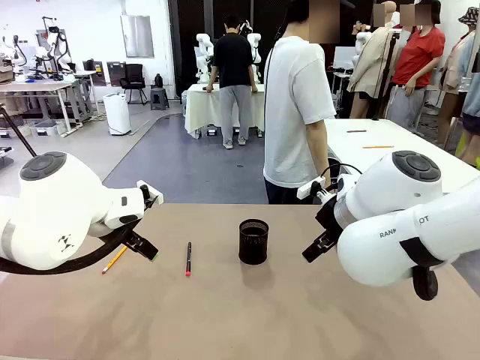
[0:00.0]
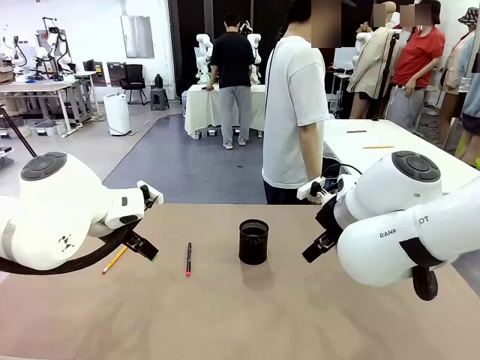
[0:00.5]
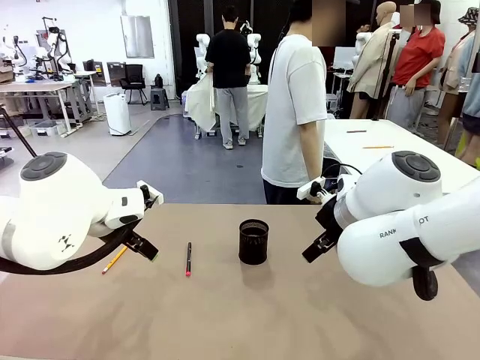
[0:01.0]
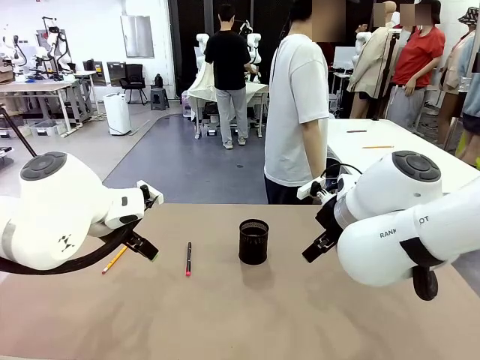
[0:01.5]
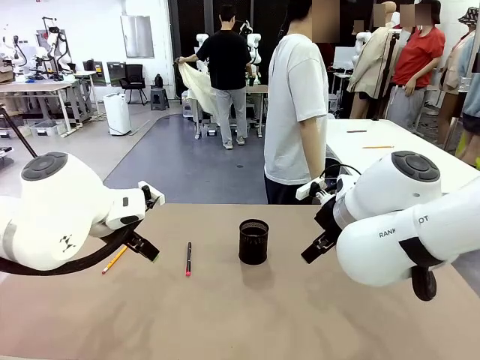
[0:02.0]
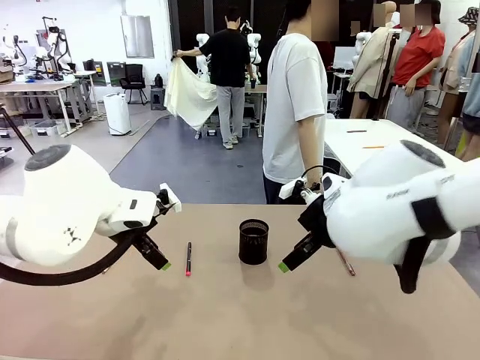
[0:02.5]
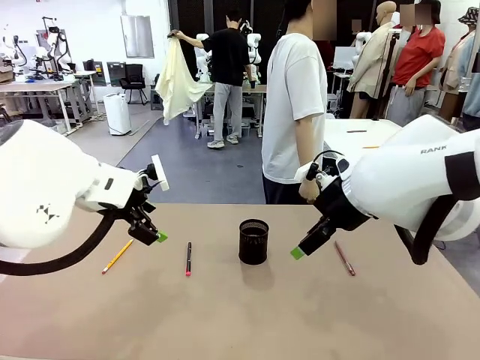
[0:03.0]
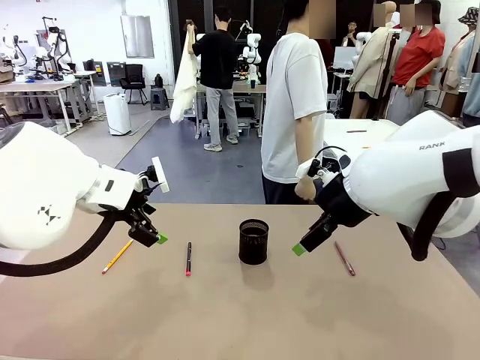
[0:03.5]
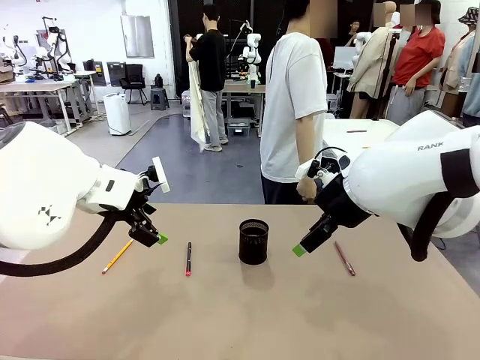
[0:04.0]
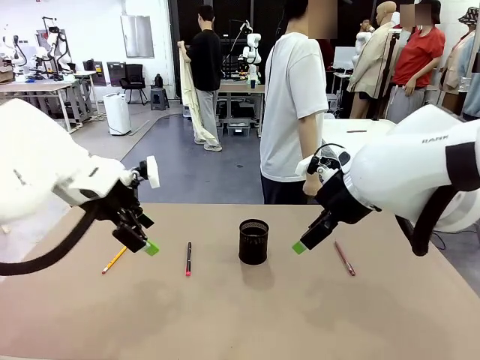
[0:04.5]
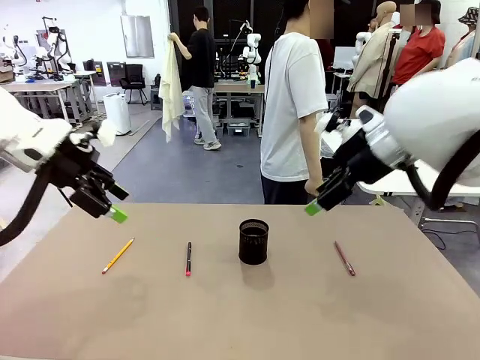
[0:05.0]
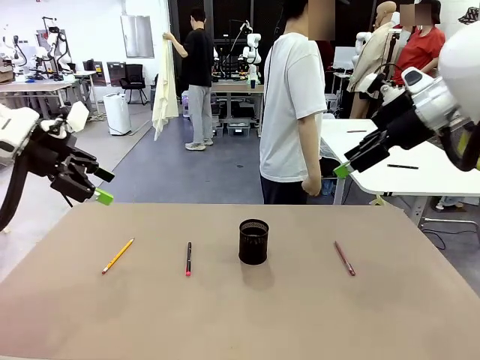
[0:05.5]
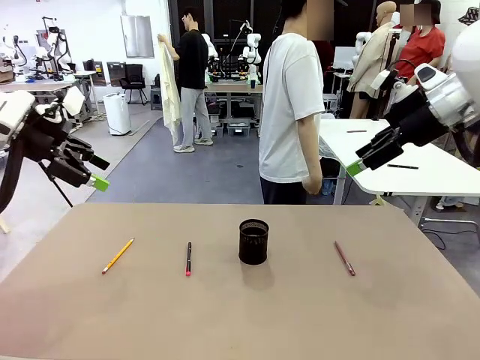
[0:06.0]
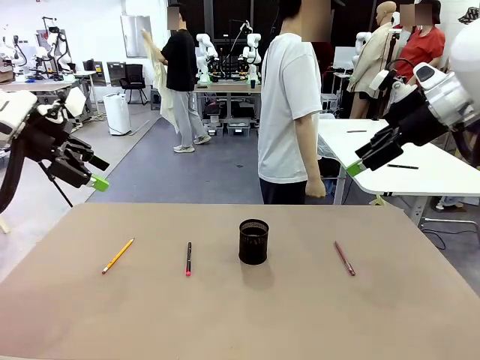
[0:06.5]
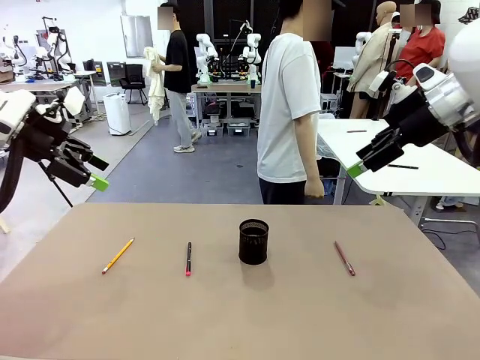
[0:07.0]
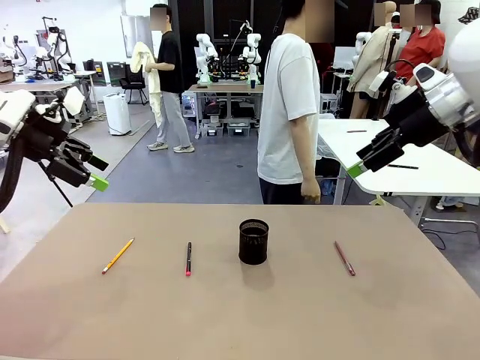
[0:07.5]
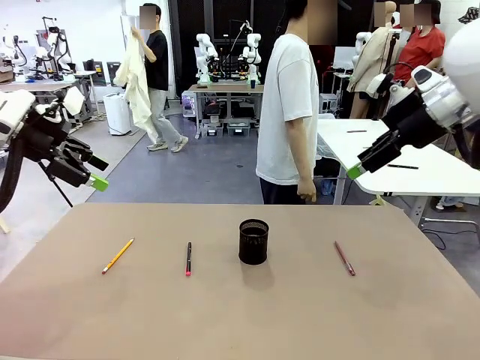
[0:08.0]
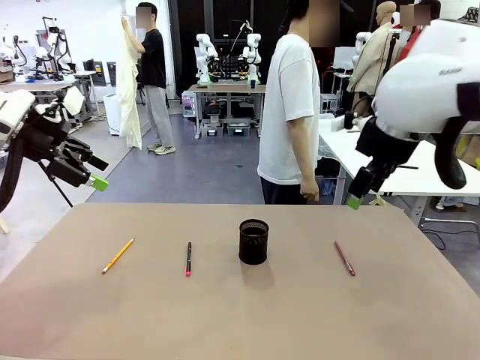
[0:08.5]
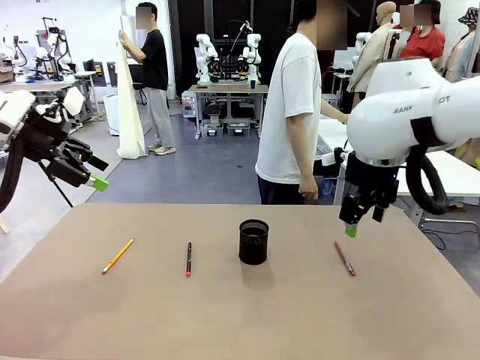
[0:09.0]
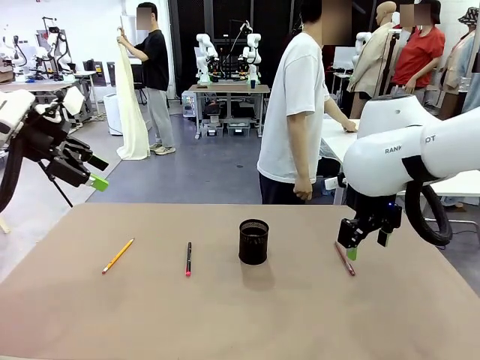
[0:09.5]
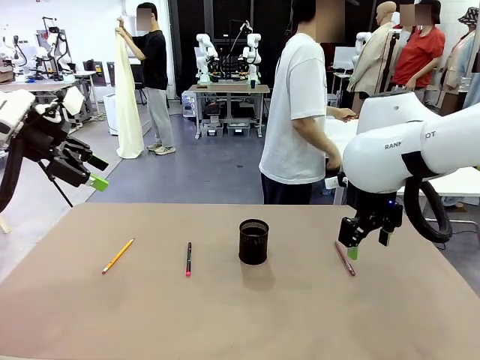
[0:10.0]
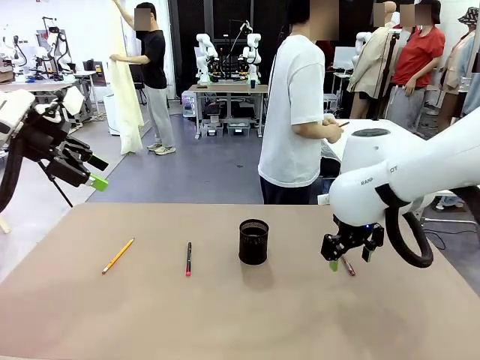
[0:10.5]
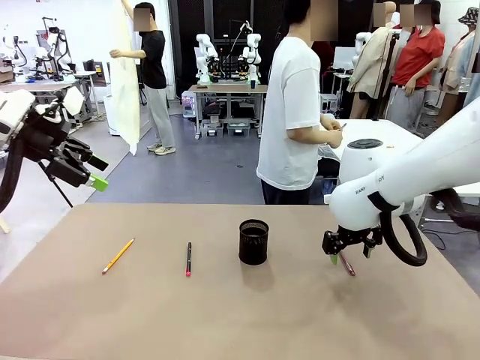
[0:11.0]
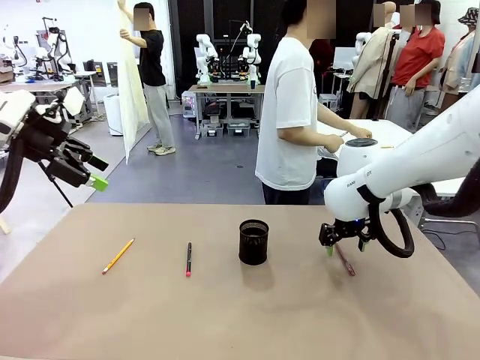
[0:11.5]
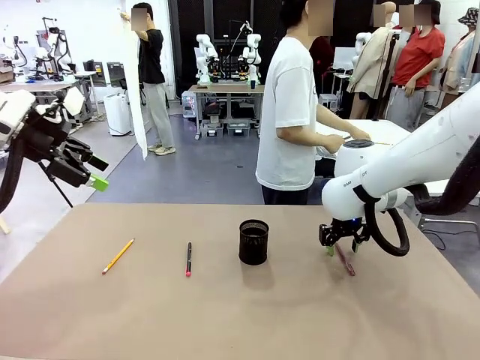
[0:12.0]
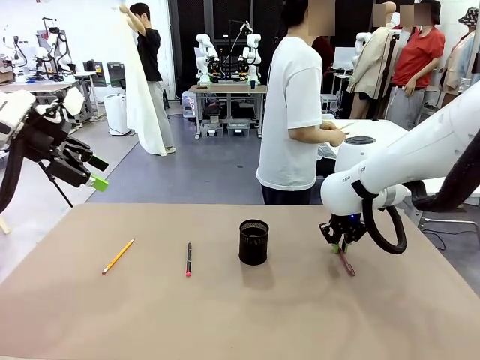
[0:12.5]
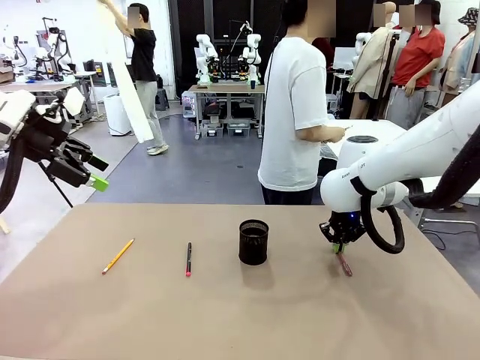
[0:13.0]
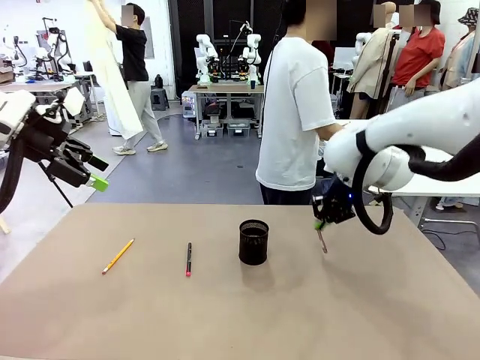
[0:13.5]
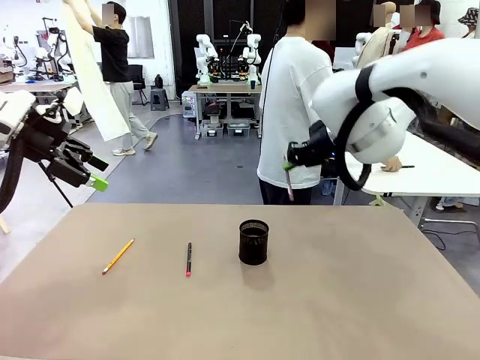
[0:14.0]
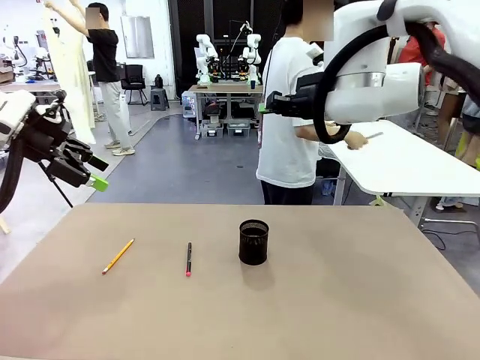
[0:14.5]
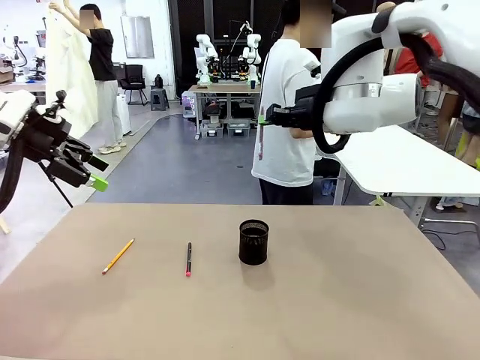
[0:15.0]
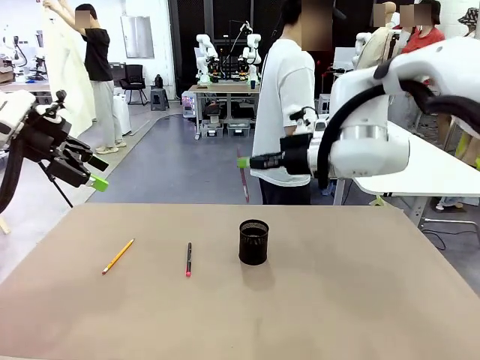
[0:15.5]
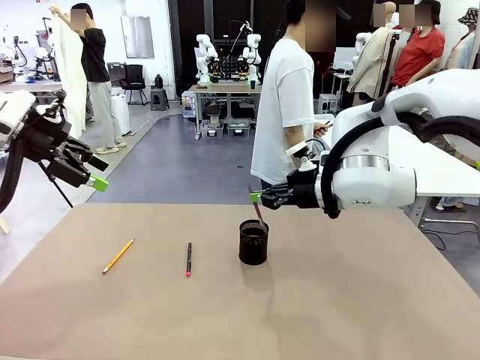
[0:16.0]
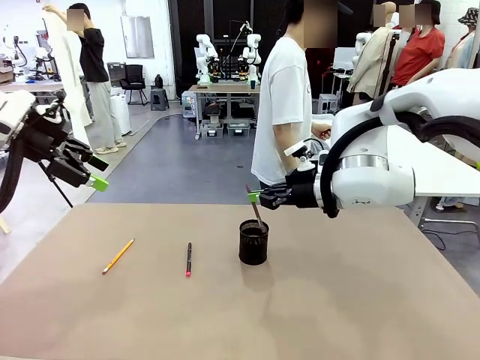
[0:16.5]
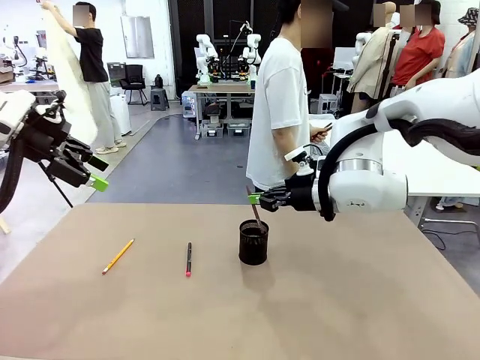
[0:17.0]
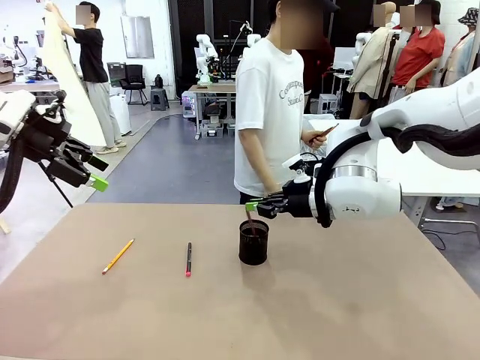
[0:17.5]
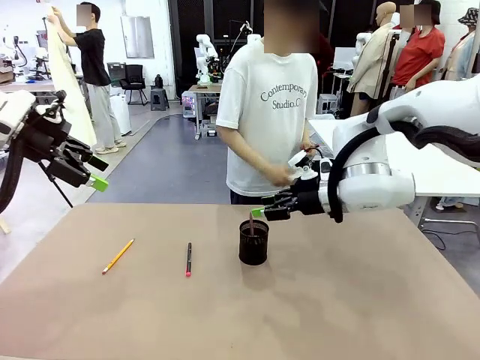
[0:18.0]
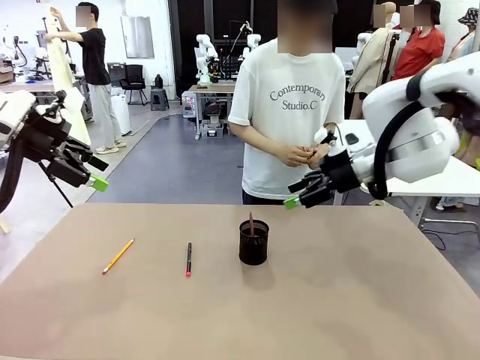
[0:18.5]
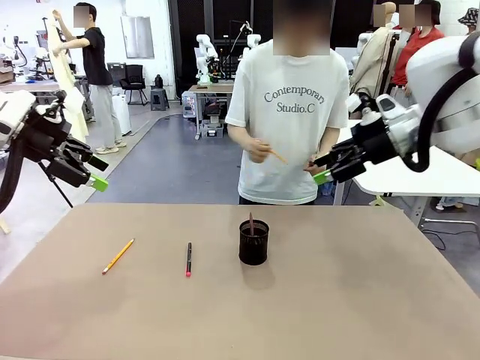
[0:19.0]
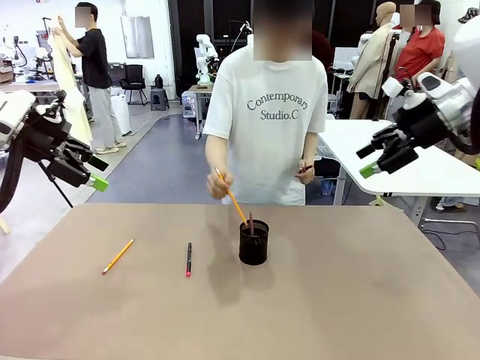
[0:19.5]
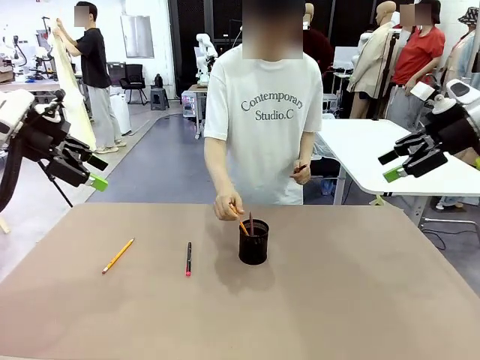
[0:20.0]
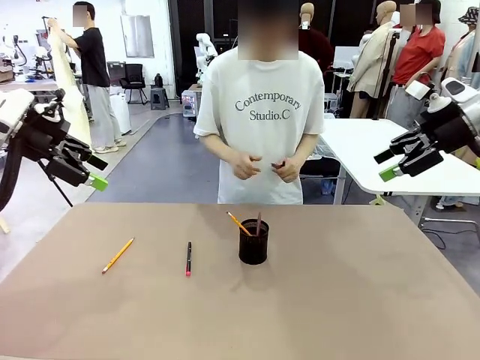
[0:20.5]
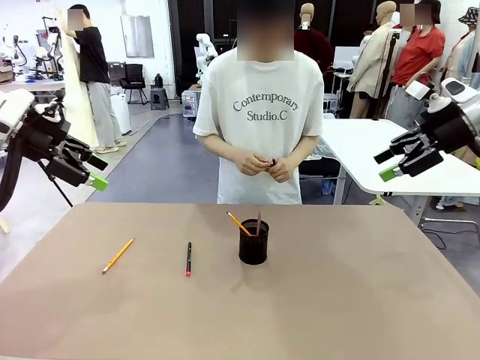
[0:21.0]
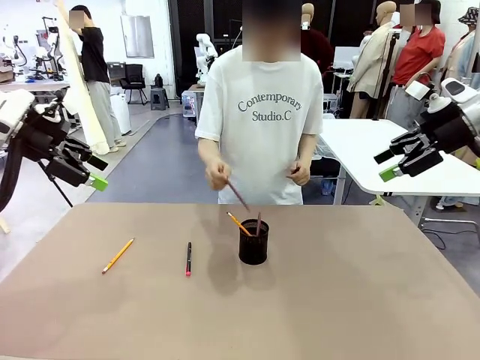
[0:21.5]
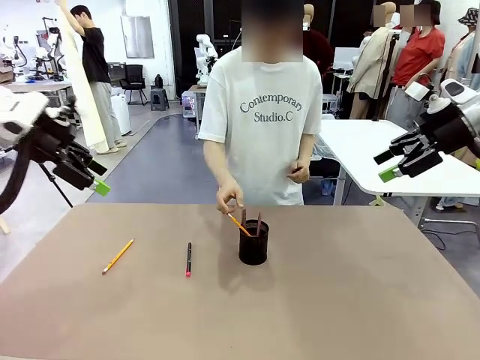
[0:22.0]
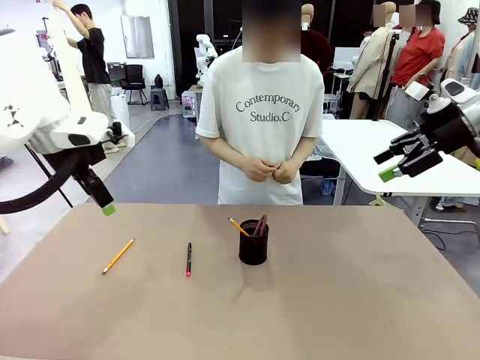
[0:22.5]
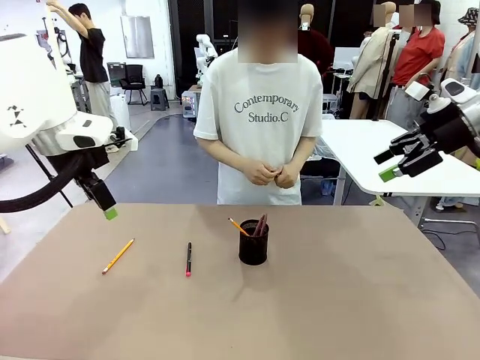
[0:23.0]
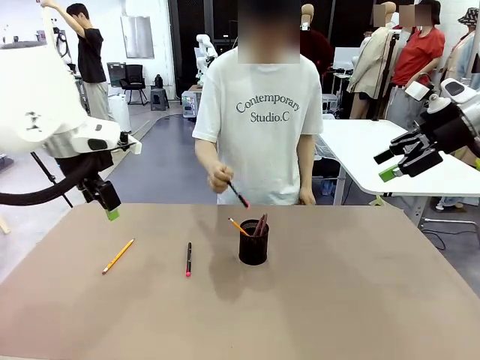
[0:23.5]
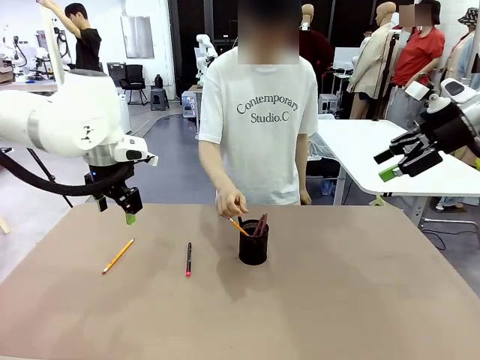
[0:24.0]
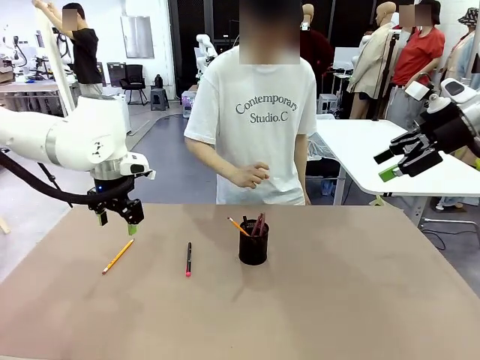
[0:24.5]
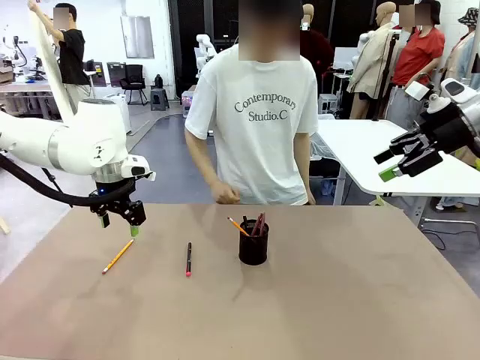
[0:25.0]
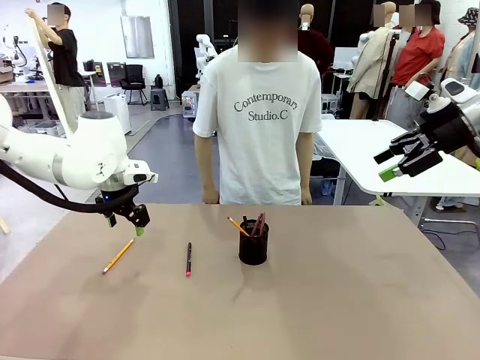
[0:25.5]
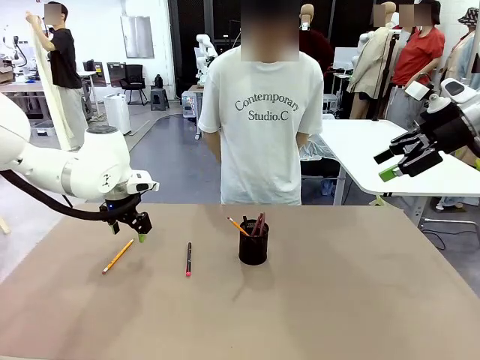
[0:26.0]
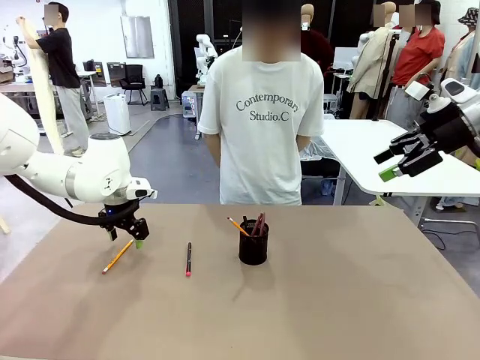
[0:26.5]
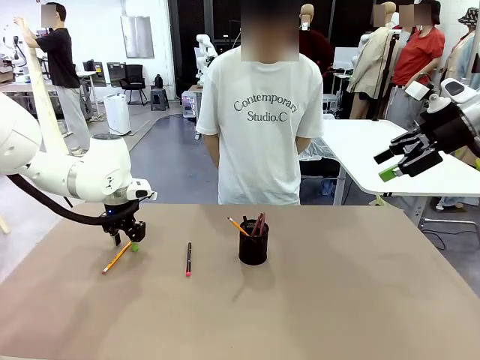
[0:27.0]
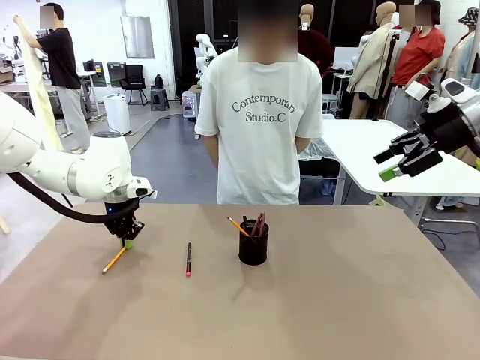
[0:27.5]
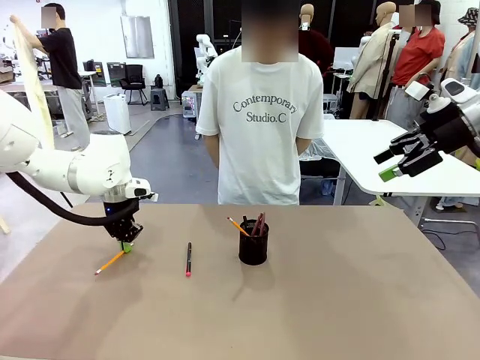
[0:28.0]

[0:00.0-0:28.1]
Task: Place the pens into the pen holder.
Robot: Pick up a writing instrument from the table and place it into the Pen holder.
Person: Pick up all writing instruments from the Human table.
